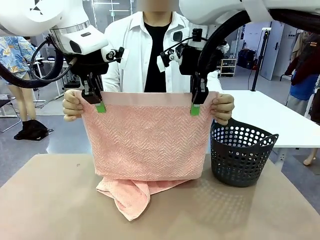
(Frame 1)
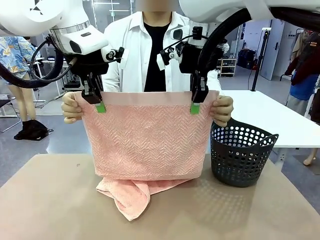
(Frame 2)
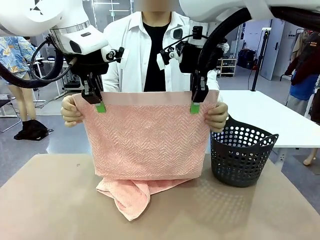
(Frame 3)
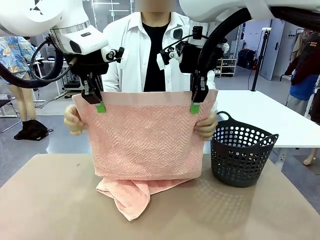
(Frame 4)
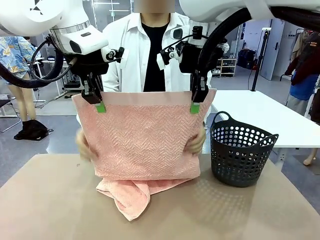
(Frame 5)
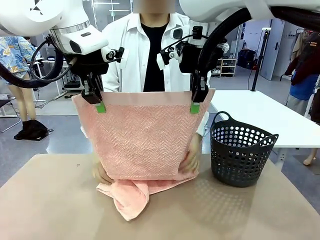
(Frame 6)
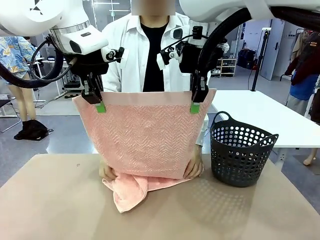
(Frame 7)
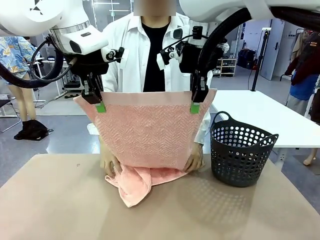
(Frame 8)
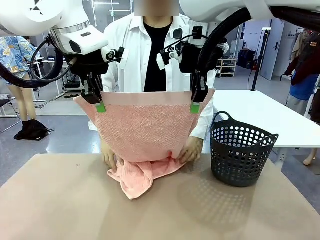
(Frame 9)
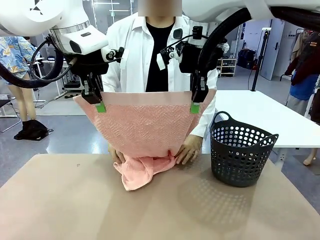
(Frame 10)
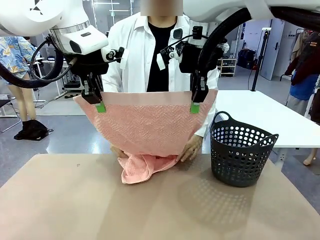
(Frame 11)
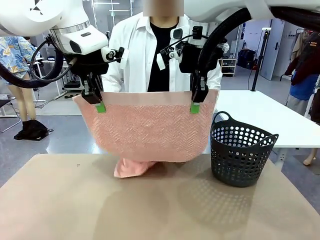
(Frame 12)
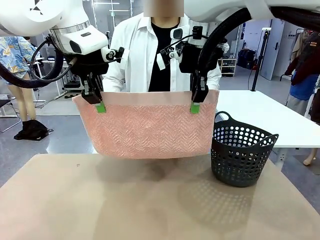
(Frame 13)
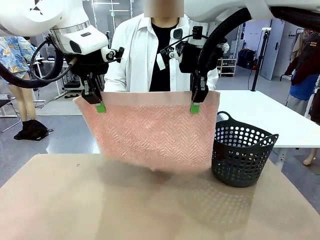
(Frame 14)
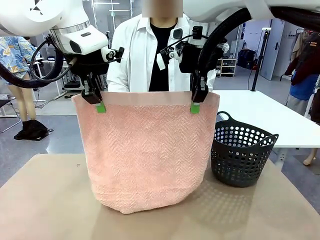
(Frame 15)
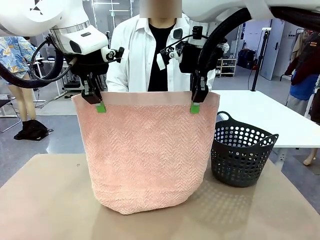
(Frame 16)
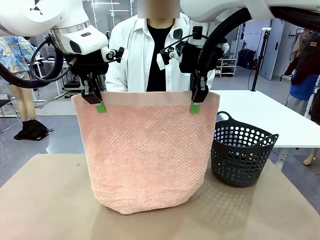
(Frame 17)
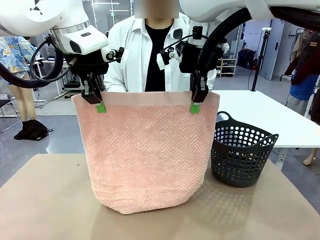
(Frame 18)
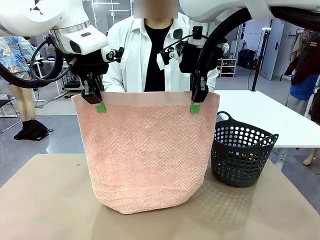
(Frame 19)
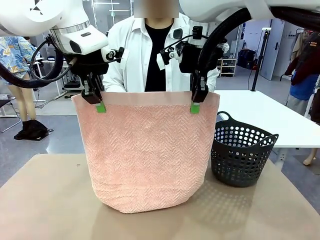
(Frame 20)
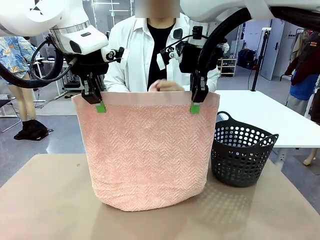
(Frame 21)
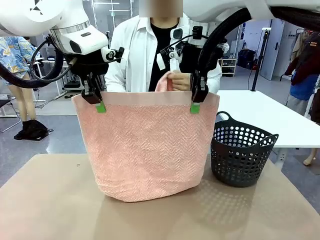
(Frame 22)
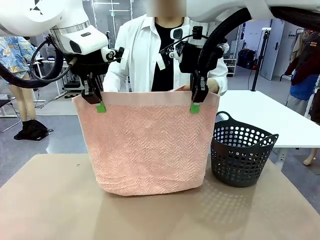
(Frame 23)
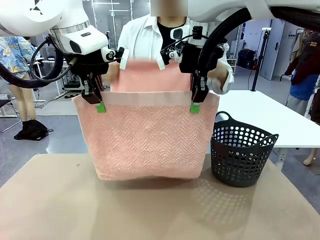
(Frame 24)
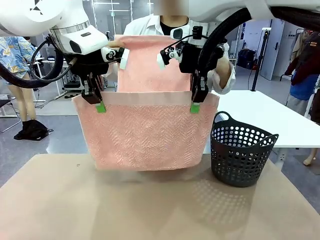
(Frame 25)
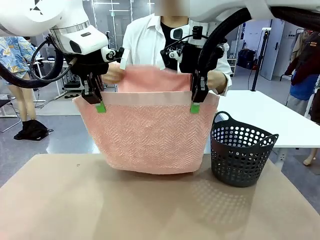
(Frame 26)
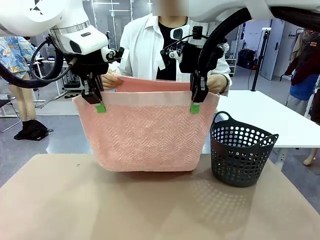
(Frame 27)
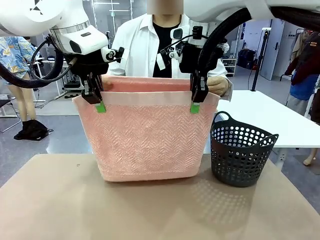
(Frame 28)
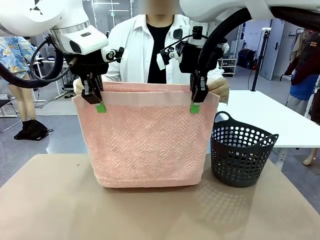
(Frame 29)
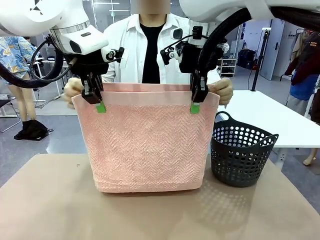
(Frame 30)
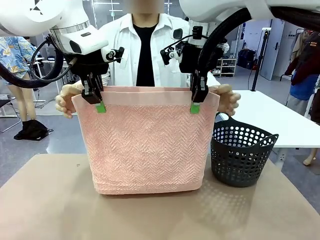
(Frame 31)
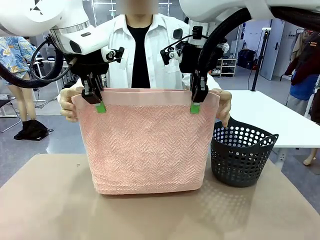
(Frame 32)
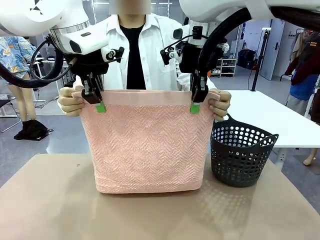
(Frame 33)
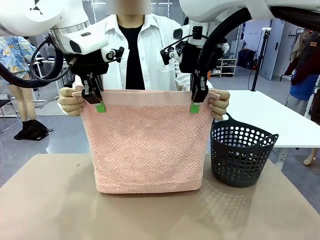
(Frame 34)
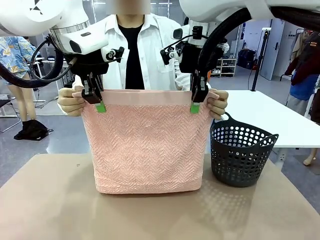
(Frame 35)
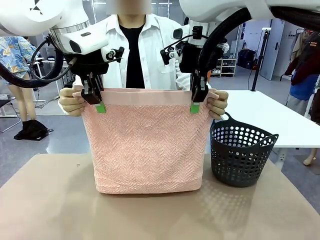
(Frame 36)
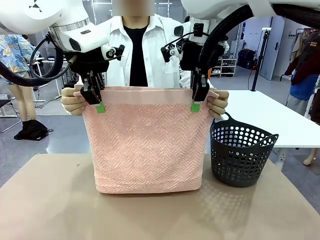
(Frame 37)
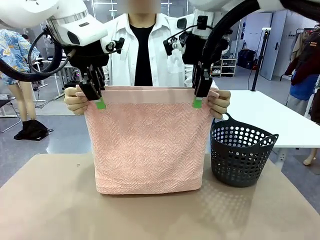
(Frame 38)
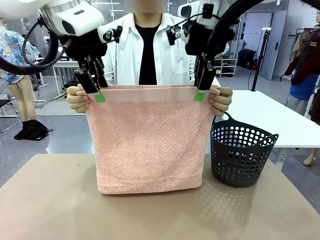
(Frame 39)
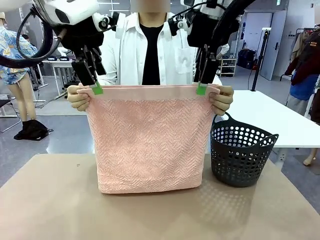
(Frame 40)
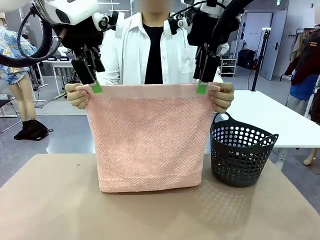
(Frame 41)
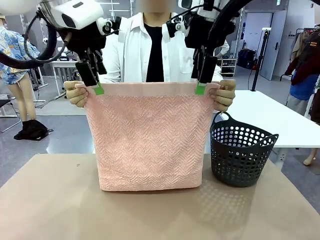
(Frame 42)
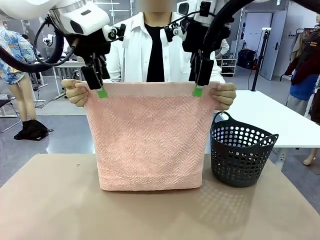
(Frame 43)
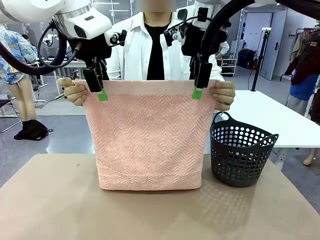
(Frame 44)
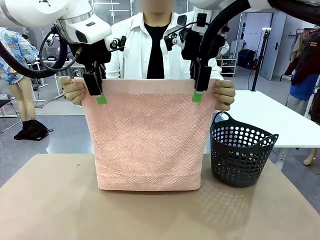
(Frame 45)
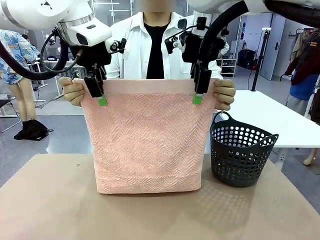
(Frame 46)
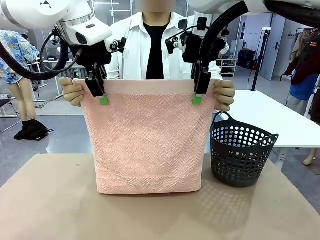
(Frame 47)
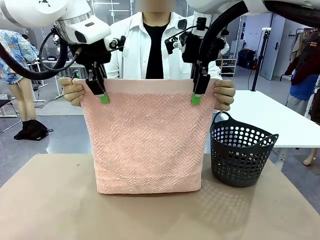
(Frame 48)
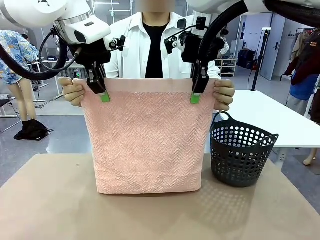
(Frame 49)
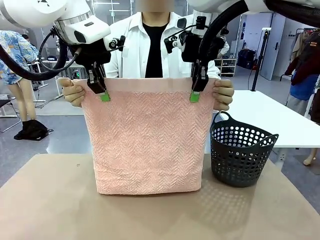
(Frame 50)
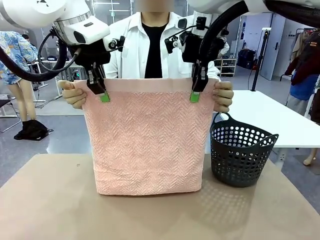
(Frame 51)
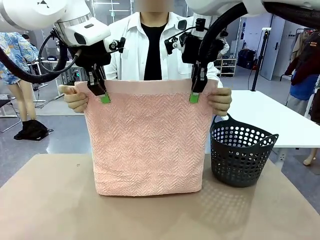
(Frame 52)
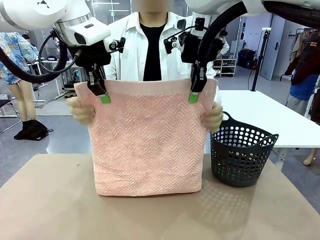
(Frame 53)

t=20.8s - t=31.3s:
Task: Fold the towel.
Robot: Release the end of the 100 cm Hotel Towel you were holding and grab the top end of the folded side.

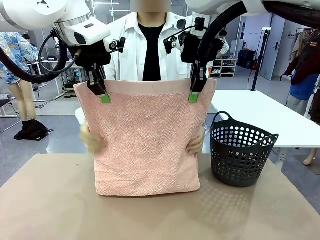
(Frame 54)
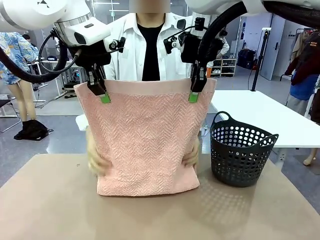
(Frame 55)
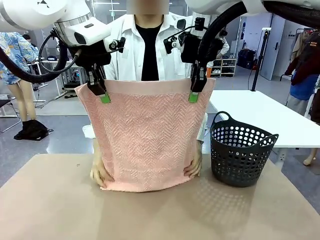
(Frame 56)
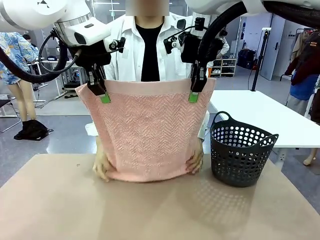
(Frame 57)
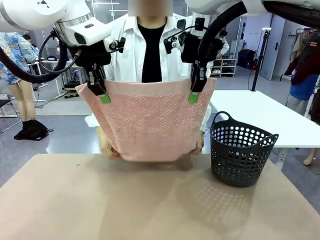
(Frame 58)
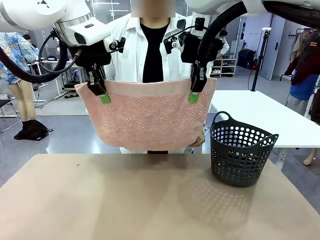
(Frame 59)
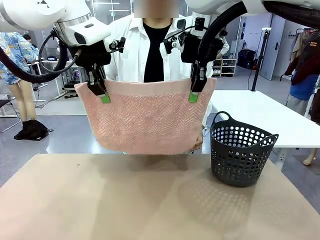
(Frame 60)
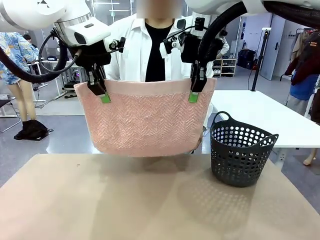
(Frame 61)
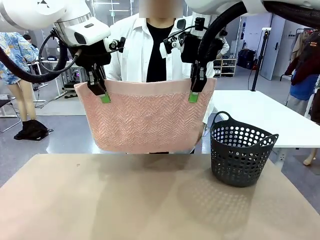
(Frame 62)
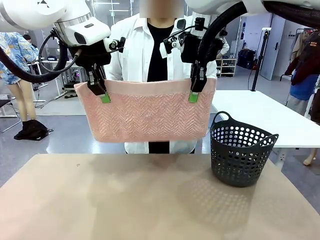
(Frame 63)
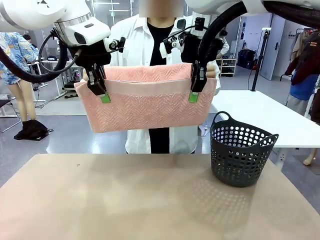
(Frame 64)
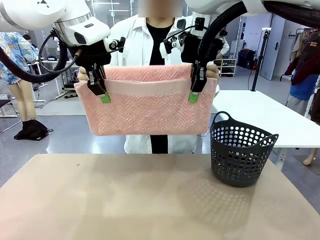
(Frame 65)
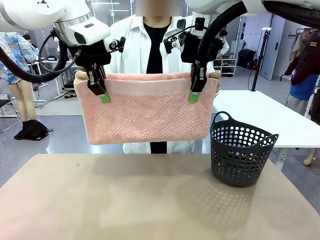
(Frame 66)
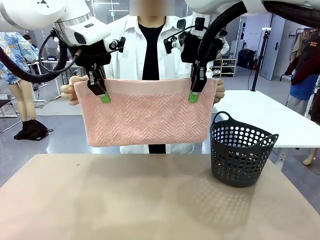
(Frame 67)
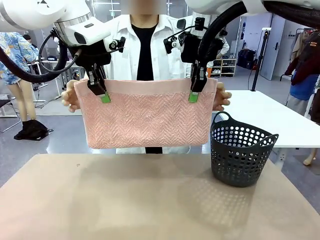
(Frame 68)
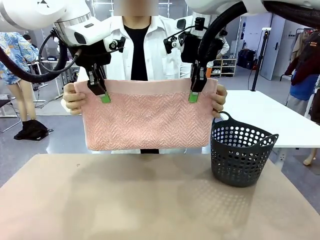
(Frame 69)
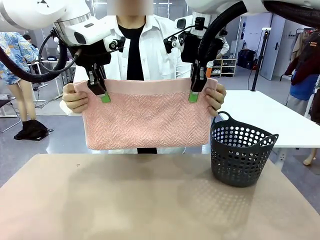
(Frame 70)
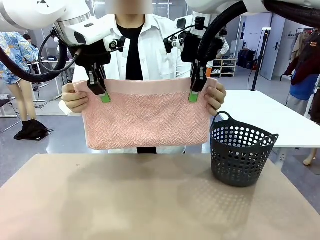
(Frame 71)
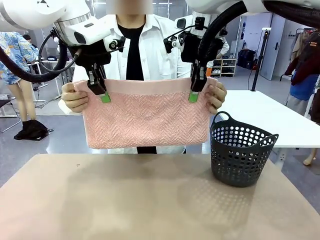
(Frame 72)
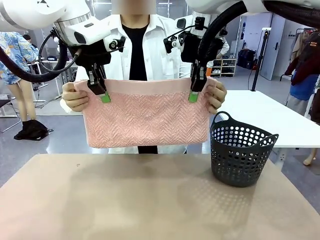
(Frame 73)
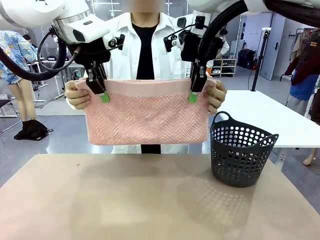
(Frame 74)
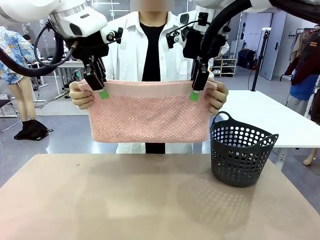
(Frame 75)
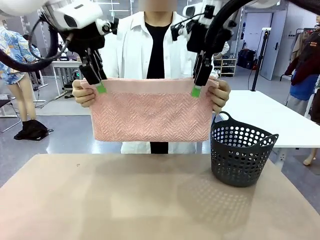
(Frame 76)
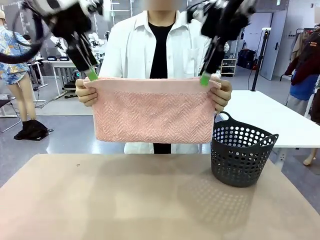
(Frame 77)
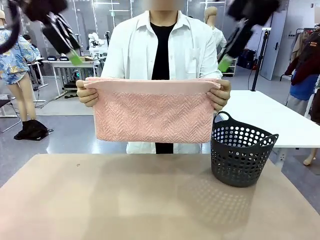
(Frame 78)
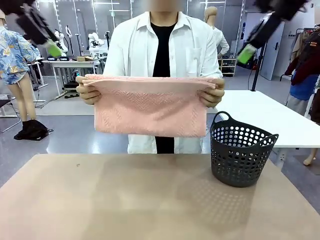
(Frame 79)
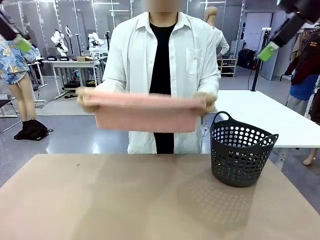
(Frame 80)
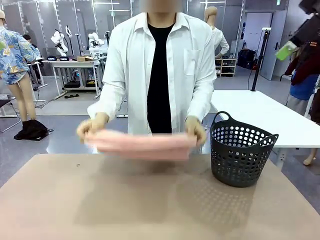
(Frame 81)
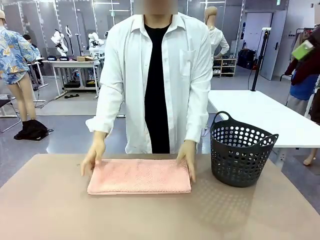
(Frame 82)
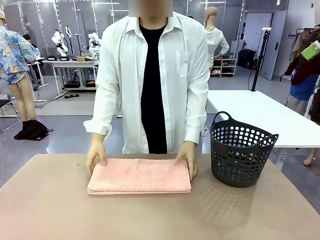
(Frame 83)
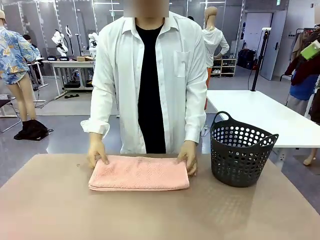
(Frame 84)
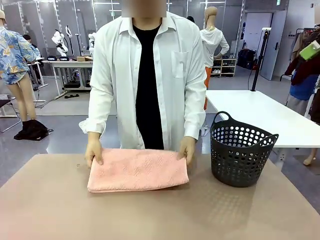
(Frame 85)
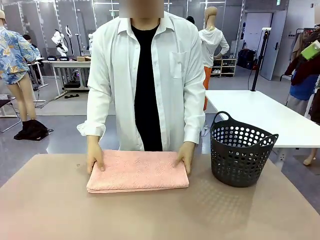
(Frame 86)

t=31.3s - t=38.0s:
Robot: Release the end of the 100 cm Hotel Towel you were holding.
Person: Place the towel at the center of the robot table and fold it in half.

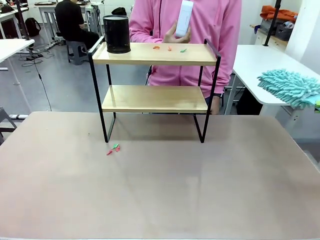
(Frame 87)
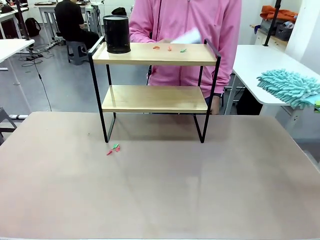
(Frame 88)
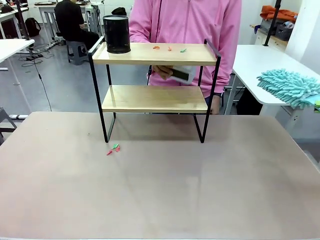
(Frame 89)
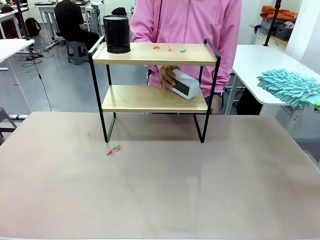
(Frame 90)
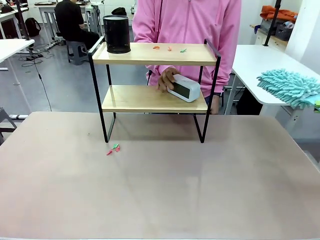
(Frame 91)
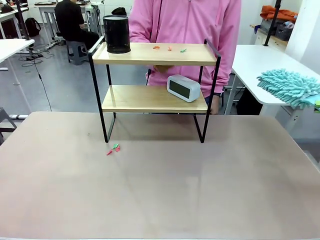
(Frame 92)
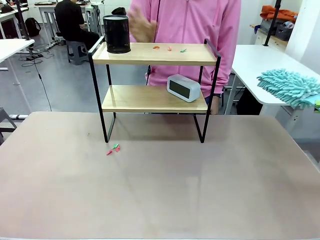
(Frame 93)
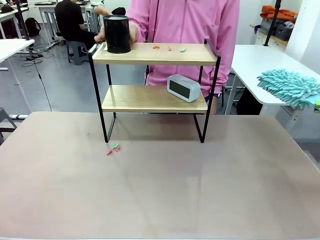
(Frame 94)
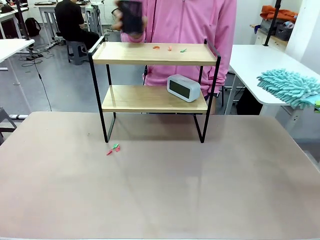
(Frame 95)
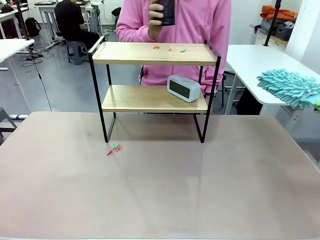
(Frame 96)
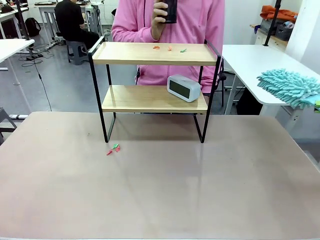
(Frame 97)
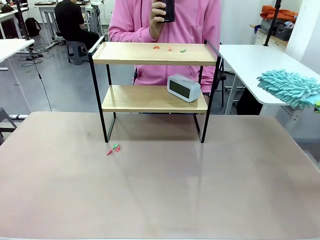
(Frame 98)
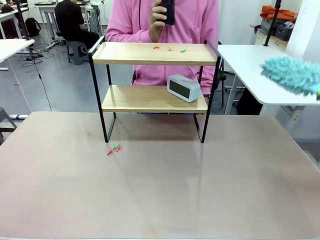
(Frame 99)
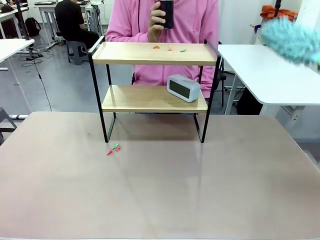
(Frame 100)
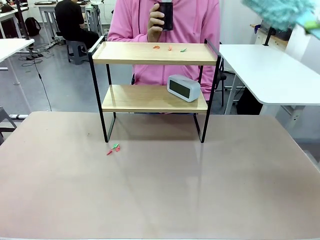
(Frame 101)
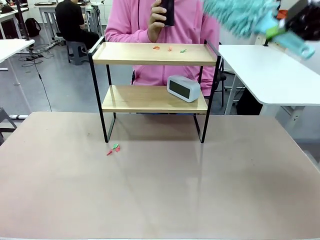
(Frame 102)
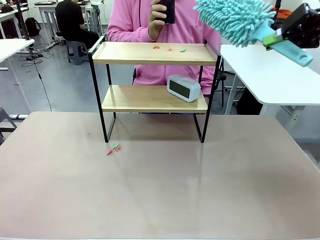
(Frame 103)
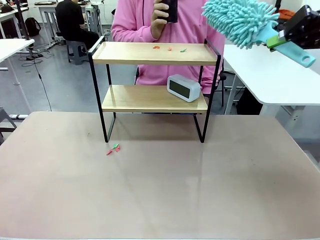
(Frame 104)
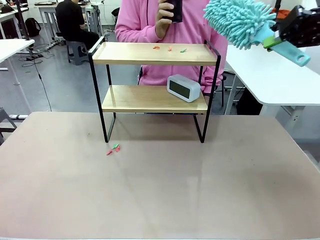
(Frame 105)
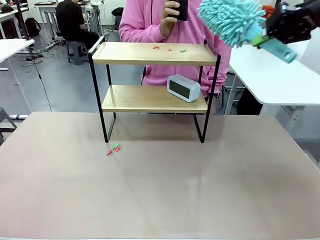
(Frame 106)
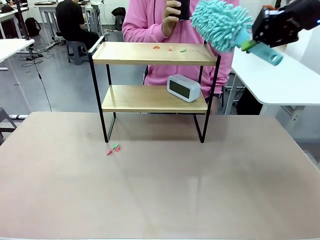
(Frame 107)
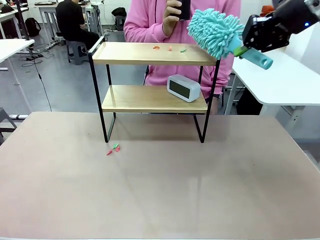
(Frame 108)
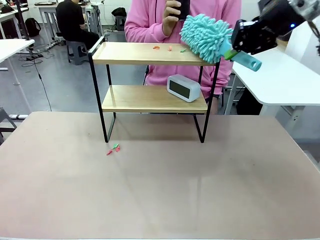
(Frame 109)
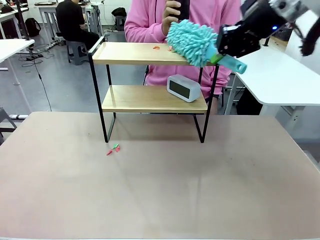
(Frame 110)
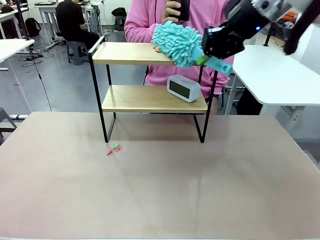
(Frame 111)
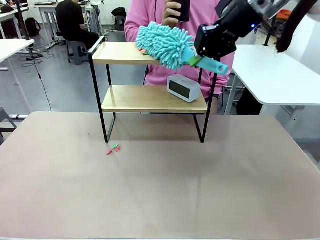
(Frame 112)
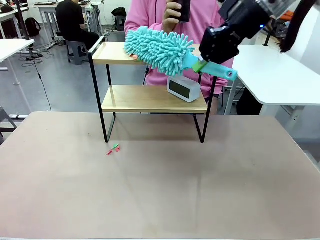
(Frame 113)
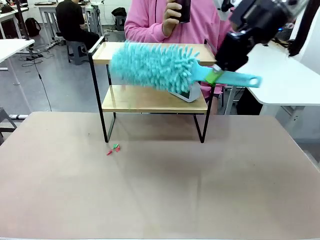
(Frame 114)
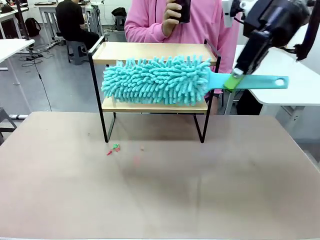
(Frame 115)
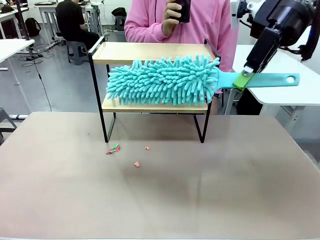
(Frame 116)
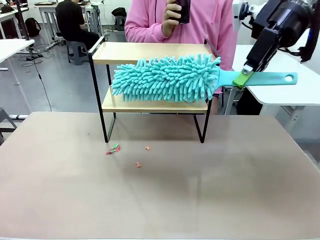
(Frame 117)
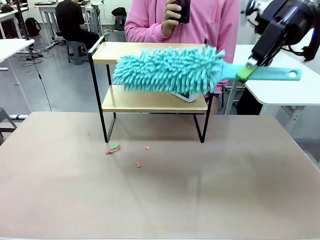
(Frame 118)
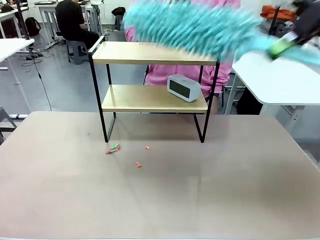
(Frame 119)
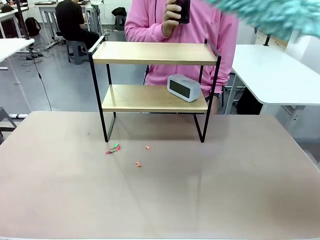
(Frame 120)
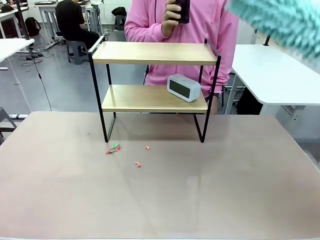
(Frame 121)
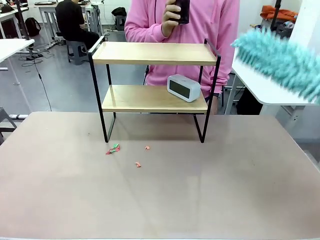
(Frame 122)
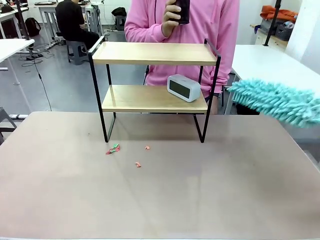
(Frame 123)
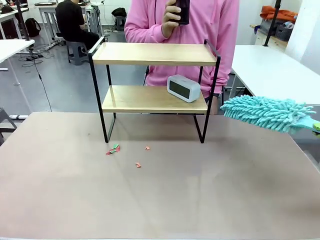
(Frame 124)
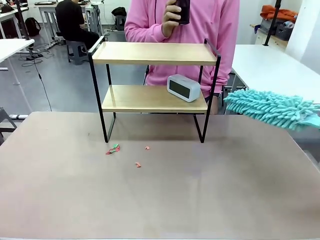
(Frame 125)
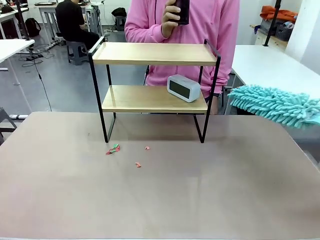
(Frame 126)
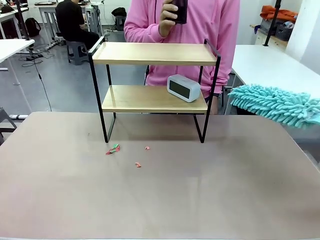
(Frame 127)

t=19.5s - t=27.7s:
Task: Clean the shelf.
Robot: Clean the remaining tier of the Shelf with the Duster once objects are removed.
